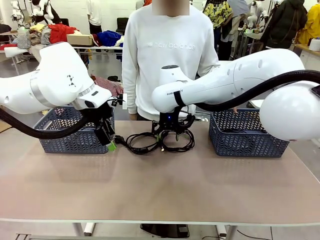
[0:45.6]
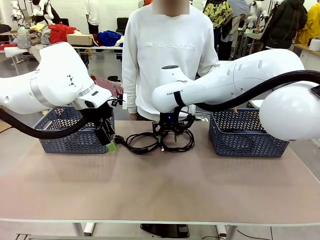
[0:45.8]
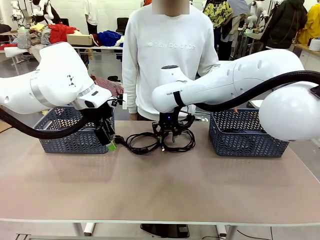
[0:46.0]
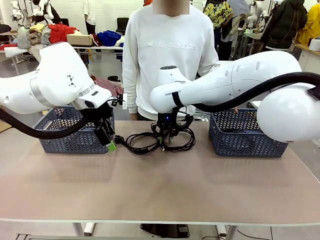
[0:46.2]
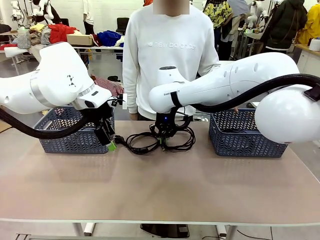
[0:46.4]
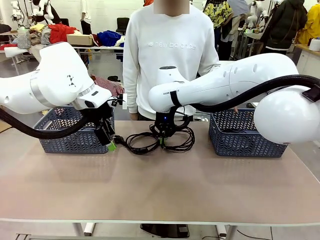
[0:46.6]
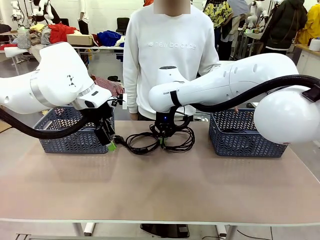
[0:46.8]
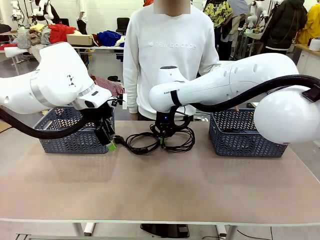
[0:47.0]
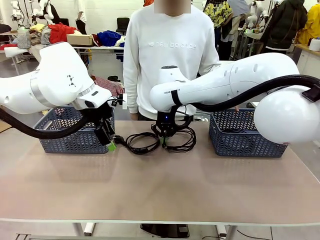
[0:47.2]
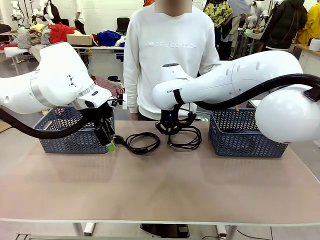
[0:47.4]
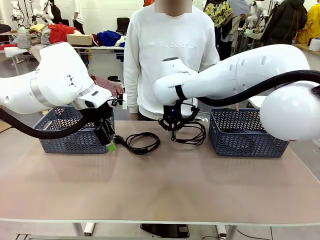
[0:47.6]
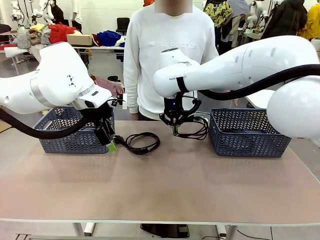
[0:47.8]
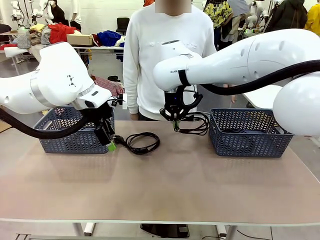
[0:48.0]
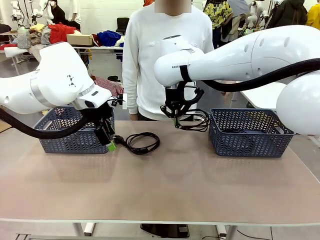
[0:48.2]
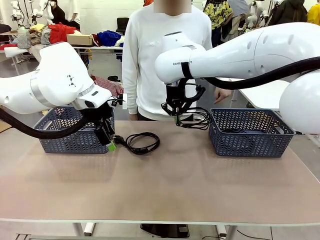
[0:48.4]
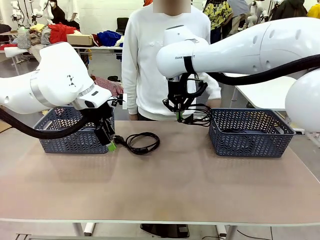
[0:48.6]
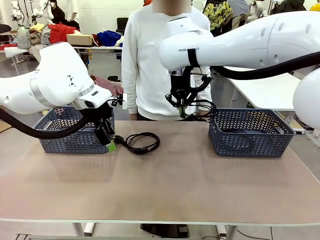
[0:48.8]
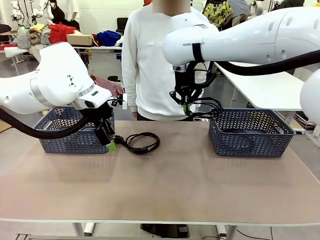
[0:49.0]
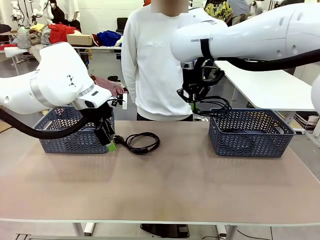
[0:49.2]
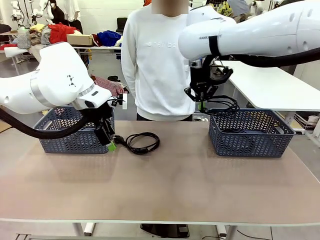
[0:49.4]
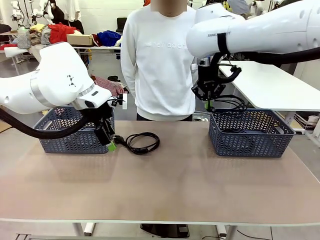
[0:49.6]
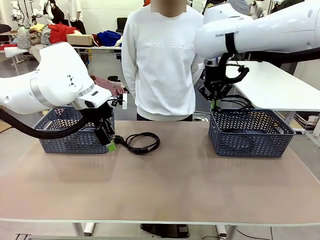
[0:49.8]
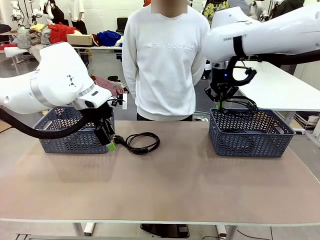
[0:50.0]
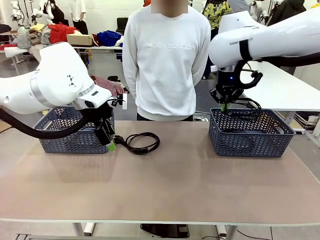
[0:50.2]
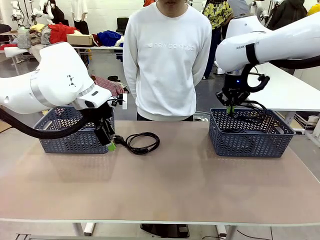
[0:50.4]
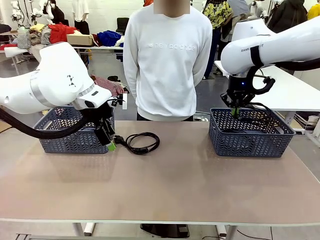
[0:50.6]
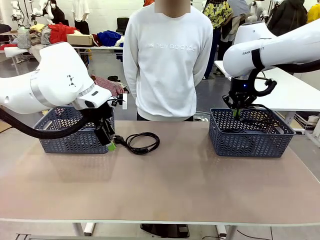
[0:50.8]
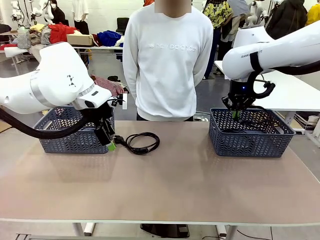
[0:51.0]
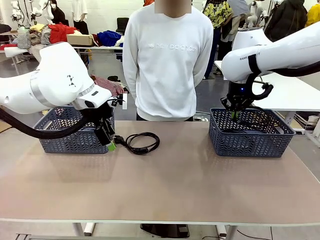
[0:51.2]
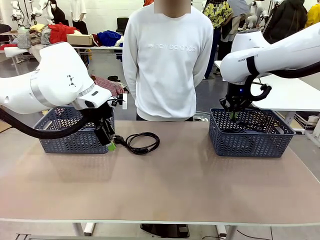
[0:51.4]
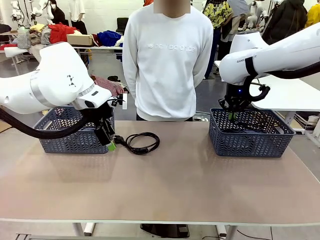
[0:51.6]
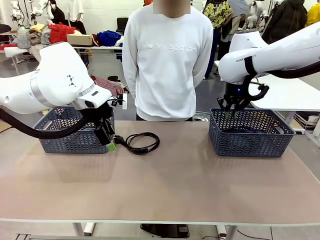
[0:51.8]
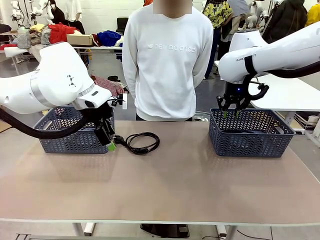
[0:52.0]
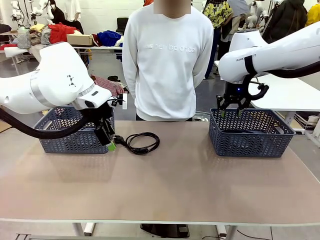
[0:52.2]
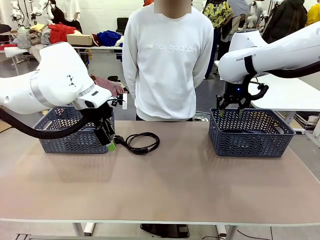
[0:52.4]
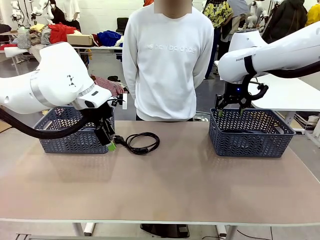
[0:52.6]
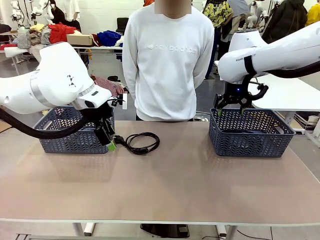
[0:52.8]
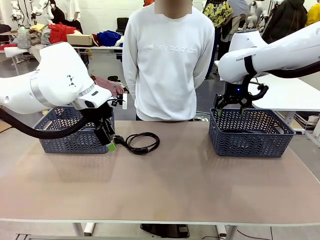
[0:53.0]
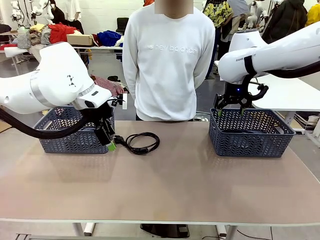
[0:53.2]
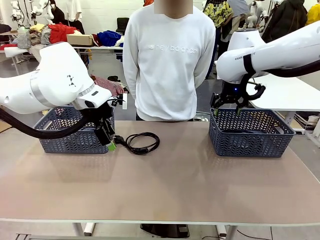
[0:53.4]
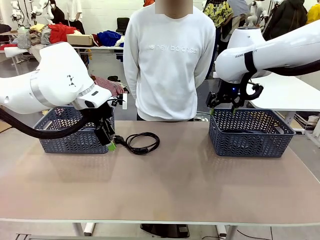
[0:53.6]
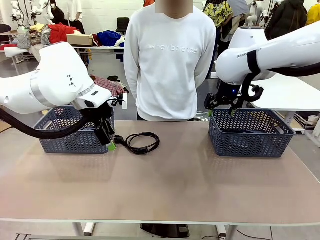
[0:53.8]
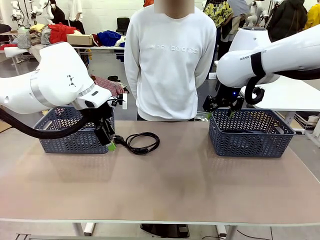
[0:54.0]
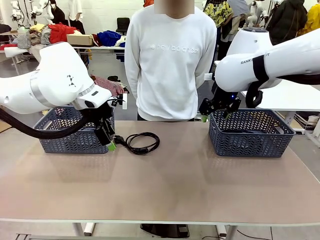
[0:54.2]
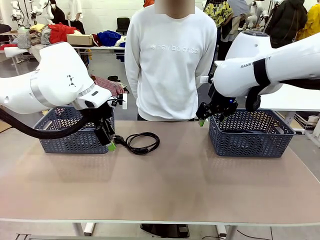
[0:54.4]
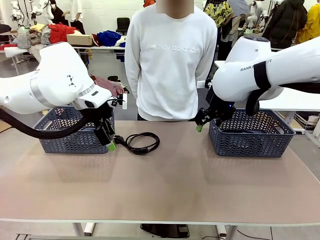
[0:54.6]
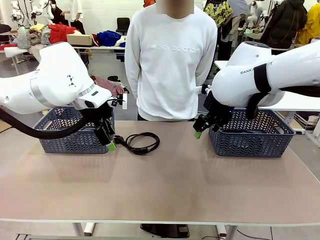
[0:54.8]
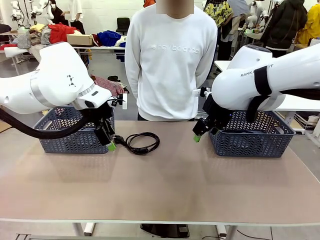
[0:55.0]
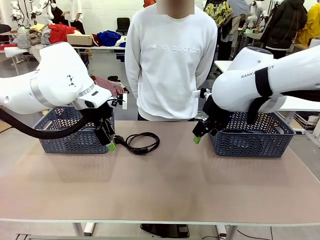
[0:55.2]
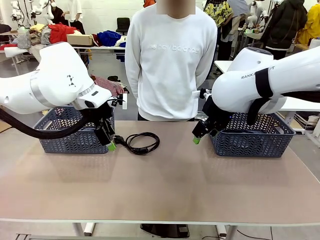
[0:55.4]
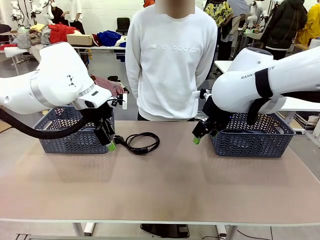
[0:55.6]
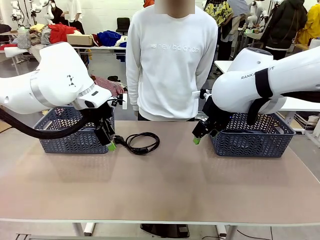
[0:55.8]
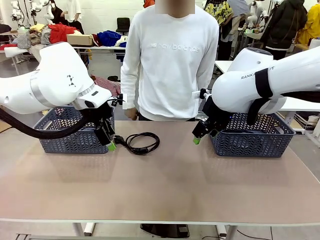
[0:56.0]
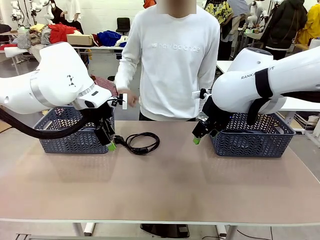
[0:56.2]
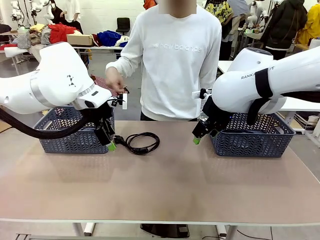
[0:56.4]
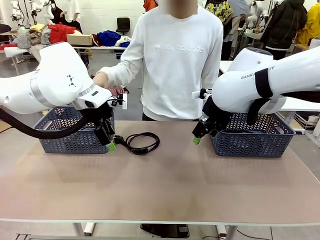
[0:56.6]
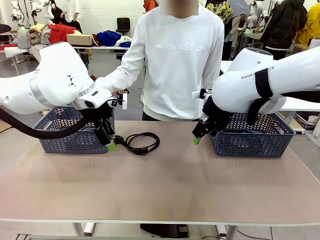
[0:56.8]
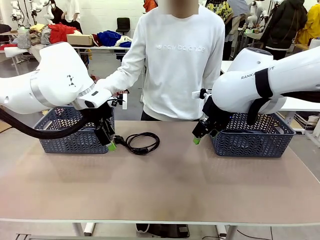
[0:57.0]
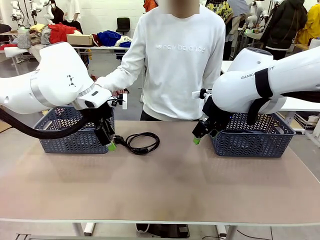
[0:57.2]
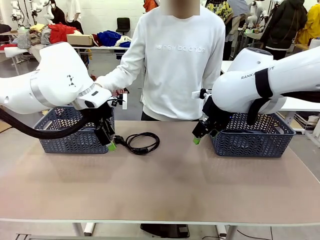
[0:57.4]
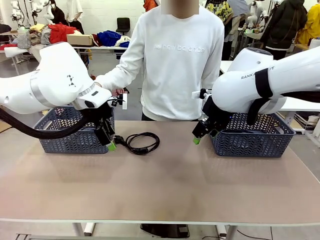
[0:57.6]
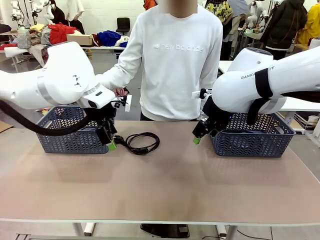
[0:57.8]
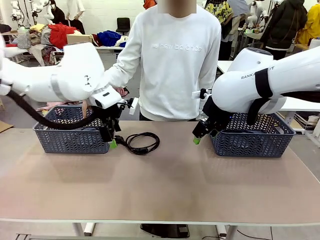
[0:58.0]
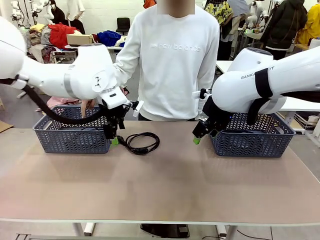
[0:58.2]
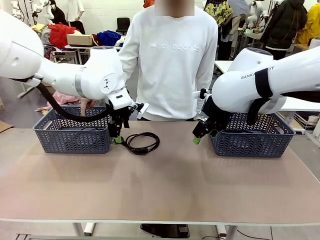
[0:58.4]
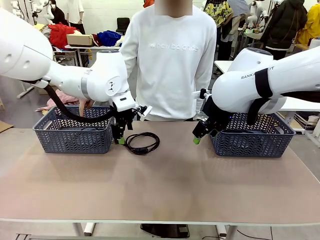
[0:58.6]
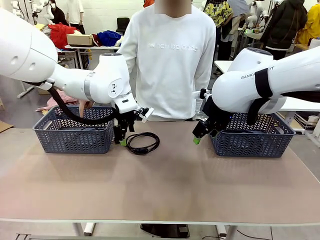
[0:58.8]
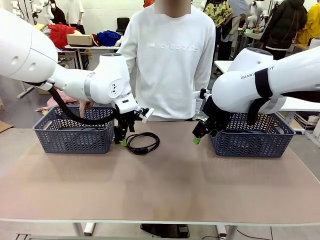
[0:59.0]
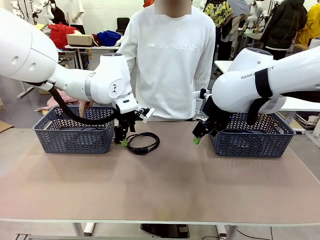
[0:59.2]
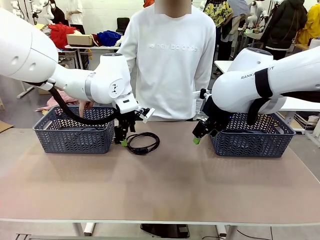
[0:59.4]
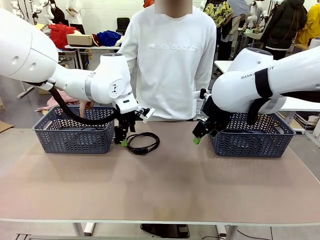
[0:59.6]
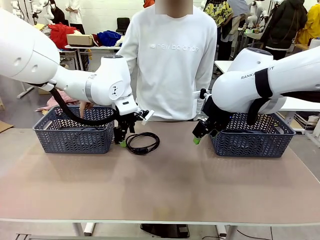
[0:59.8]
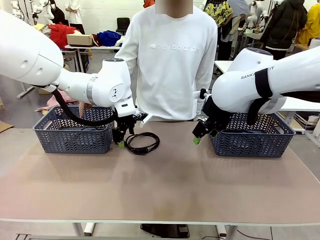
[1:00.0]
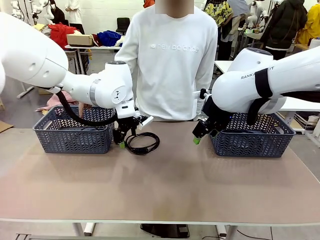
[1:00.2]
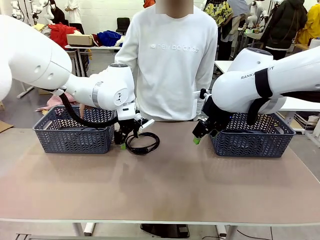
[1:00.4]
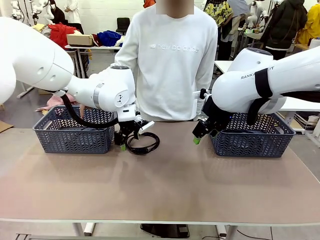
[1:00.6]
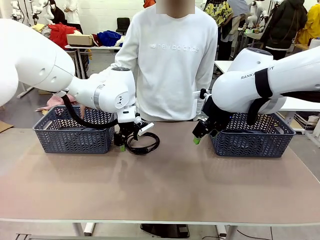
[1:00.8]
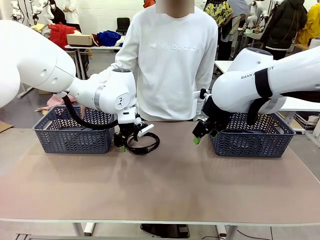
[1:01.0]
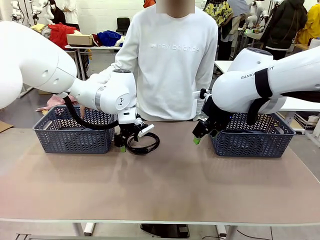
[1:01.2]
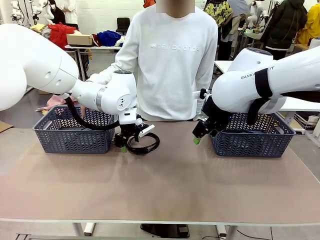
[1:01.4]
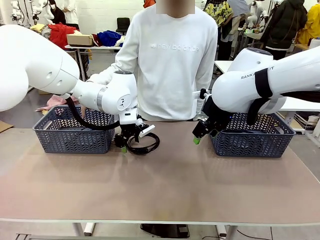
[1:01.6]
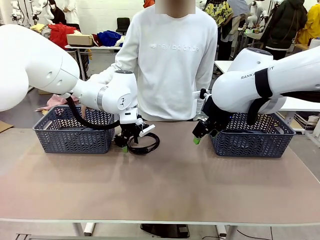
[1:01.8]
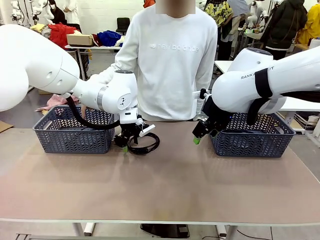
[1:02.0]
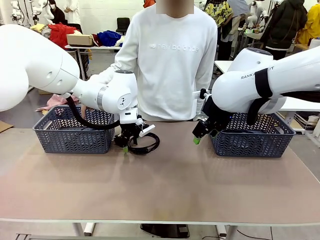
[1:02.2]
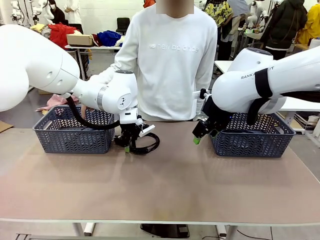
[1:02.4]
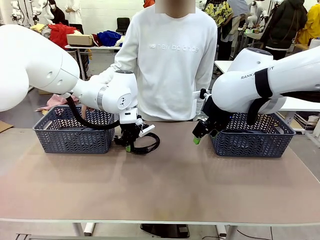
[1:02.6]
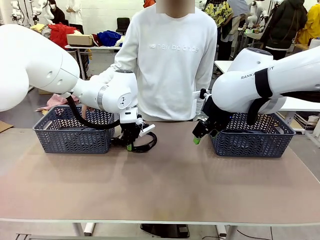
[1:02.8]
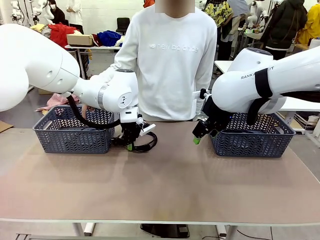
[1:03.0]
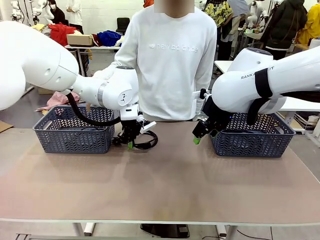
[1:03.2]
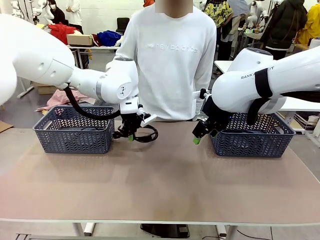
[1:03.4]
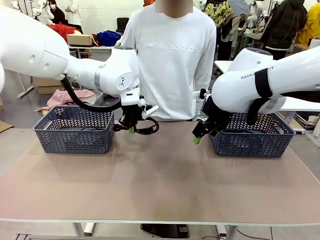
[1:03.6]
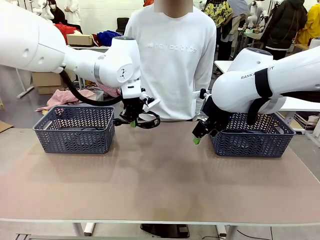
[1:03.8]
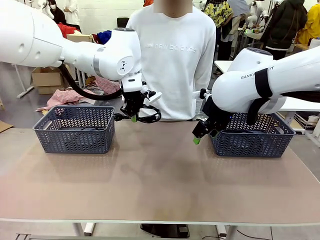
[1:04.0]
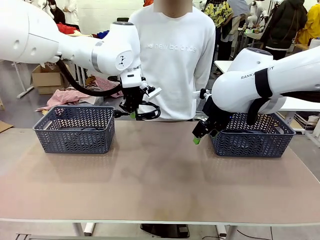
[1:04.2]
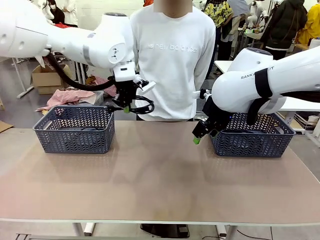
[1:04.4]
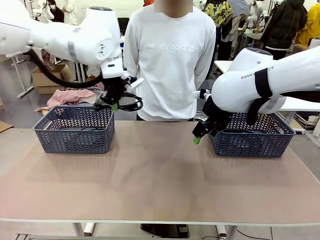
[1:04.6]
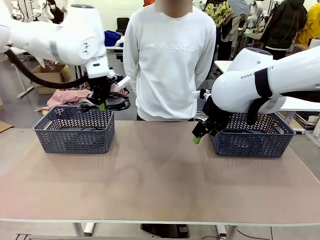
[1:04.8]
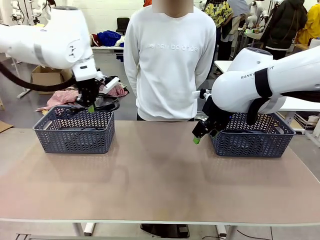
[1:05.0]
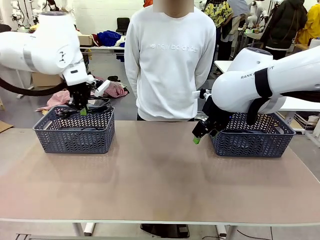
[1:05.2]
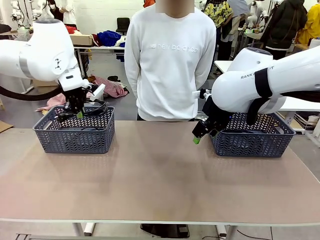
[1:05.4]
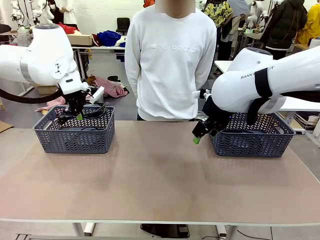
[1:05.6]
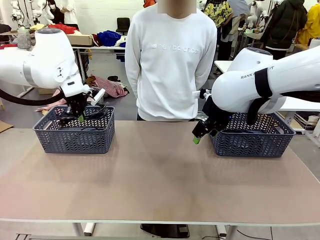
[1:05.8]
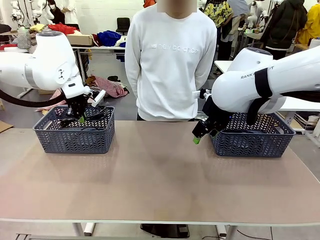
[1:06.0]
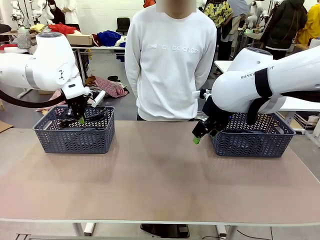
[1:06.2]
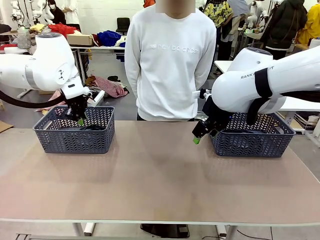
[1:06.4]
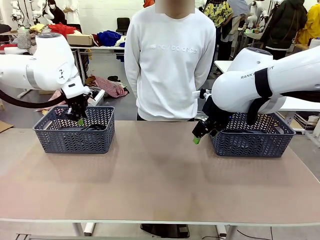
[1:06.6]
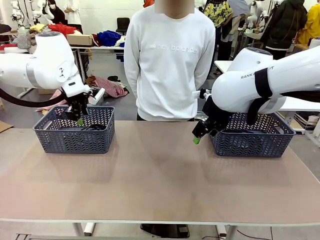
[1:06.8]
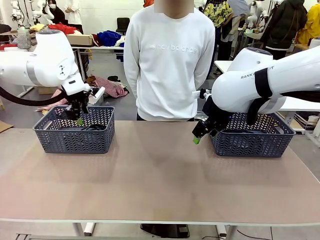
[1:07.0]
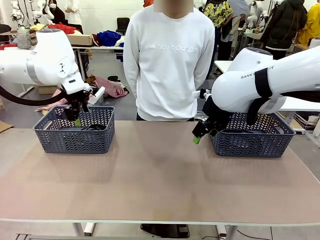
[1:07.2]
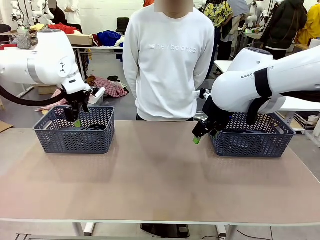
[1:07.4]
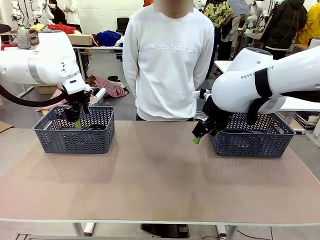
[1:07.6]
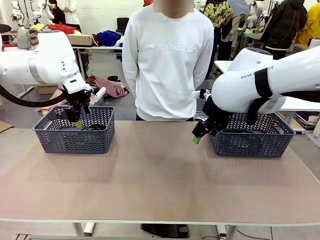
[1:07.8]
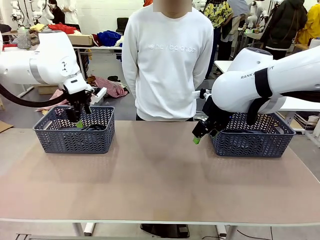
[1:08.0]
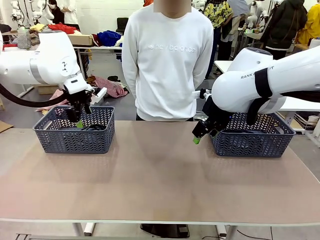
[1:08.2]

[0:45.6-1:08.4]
Task: Organize the cables according to human instructions.
Robot: Pick up a bundle of cables and place it in the basket indicated by the human.
